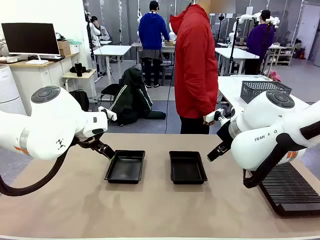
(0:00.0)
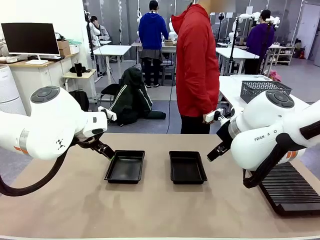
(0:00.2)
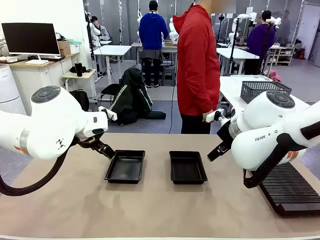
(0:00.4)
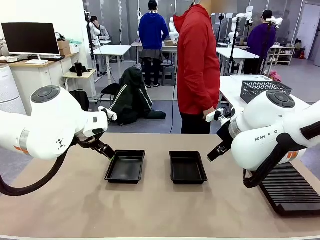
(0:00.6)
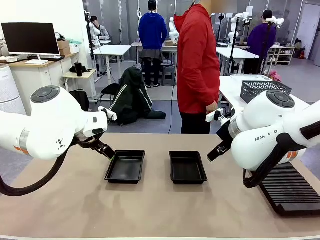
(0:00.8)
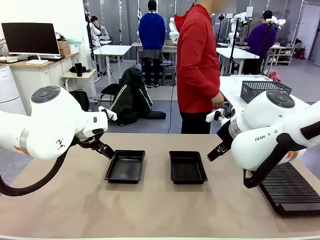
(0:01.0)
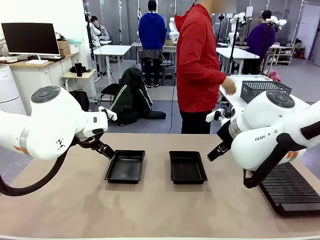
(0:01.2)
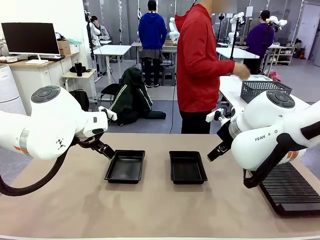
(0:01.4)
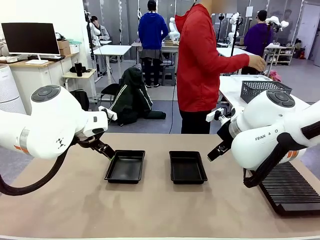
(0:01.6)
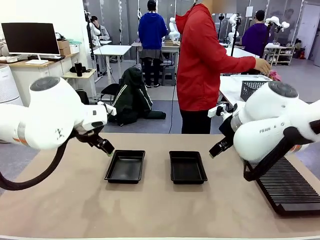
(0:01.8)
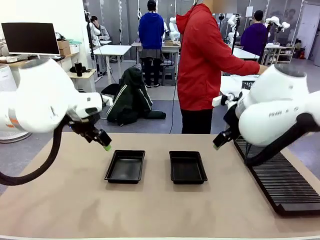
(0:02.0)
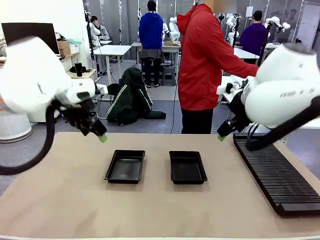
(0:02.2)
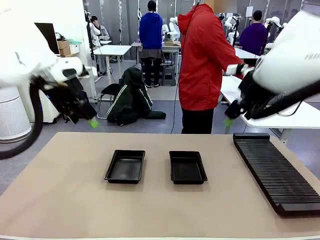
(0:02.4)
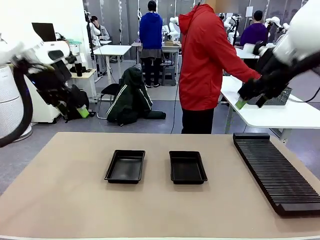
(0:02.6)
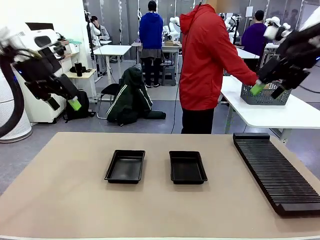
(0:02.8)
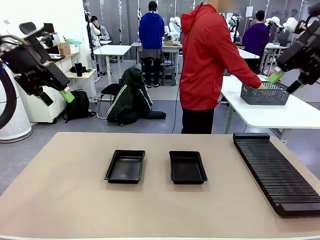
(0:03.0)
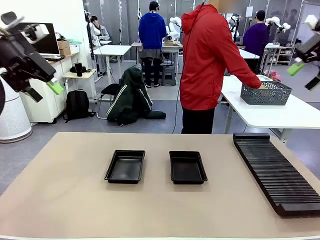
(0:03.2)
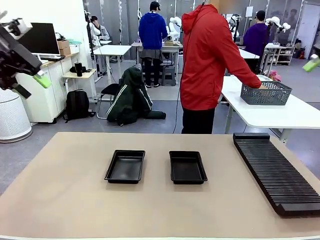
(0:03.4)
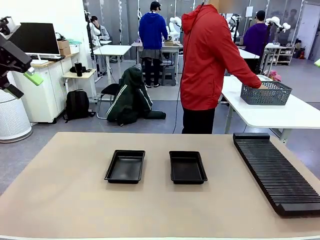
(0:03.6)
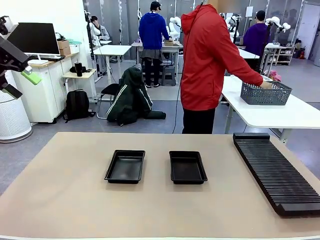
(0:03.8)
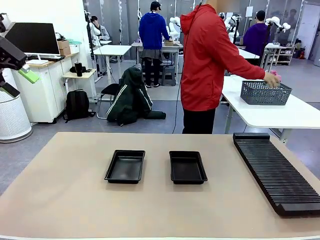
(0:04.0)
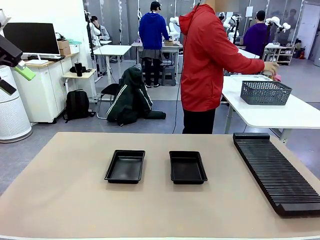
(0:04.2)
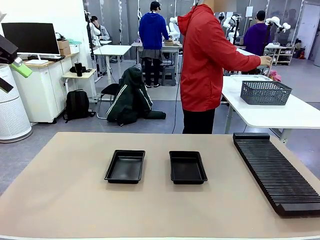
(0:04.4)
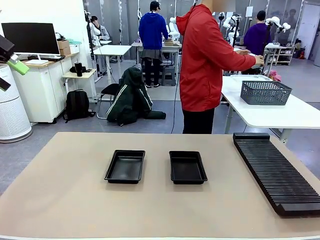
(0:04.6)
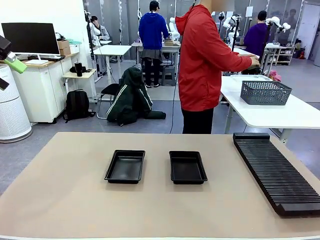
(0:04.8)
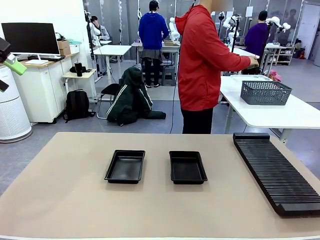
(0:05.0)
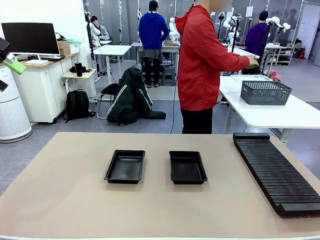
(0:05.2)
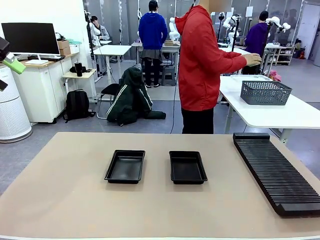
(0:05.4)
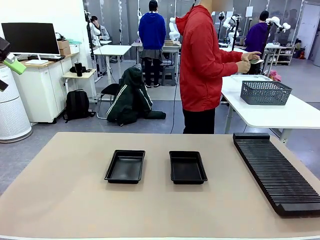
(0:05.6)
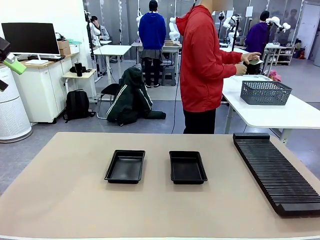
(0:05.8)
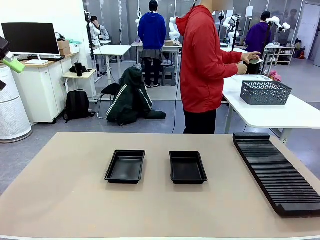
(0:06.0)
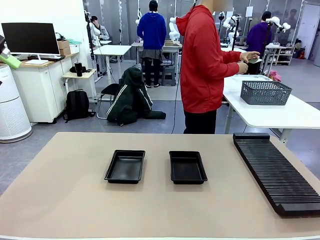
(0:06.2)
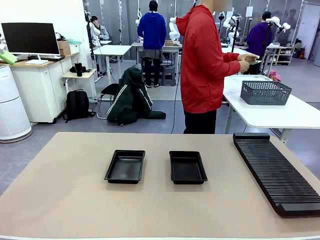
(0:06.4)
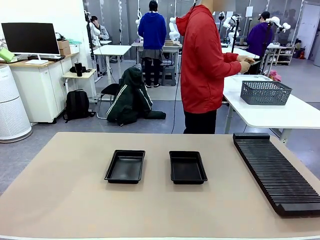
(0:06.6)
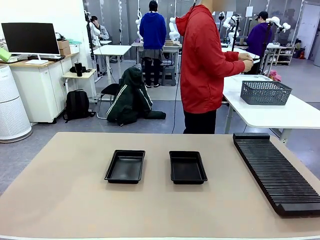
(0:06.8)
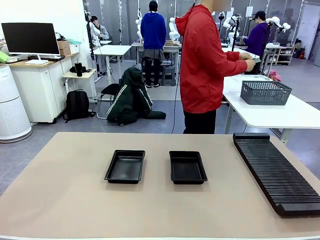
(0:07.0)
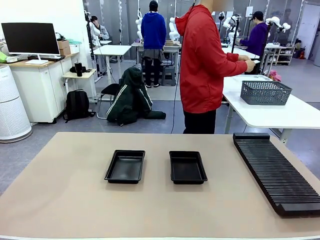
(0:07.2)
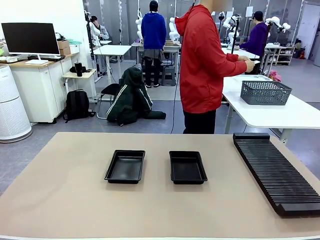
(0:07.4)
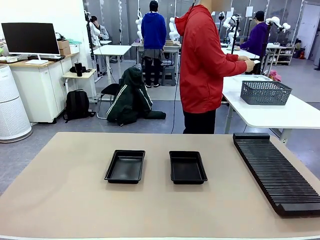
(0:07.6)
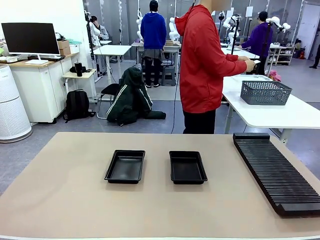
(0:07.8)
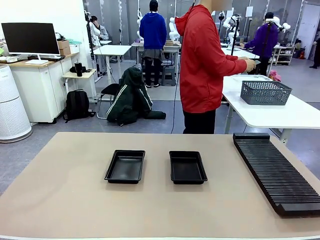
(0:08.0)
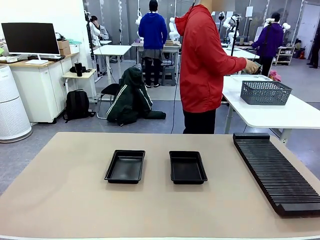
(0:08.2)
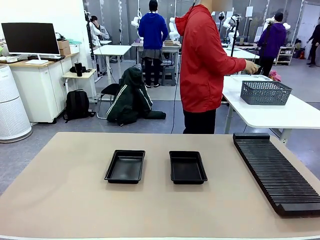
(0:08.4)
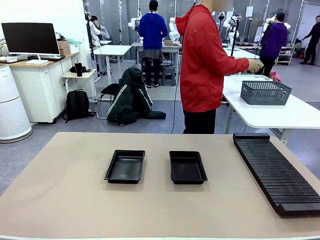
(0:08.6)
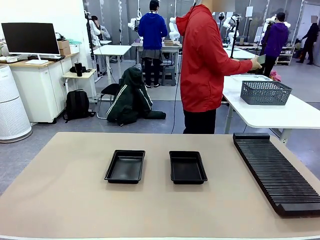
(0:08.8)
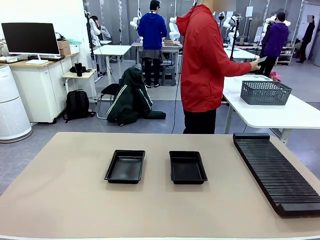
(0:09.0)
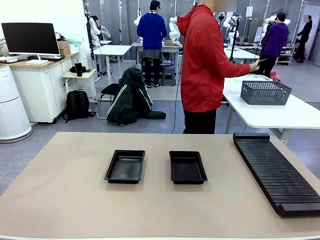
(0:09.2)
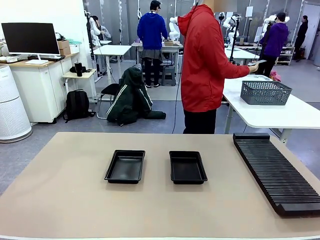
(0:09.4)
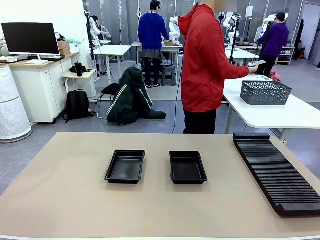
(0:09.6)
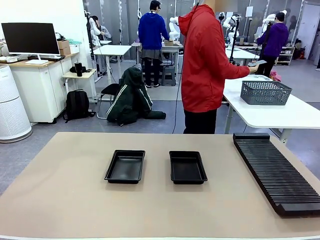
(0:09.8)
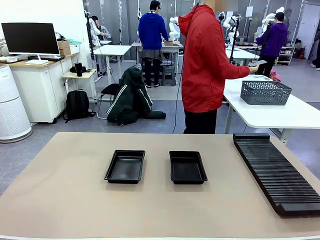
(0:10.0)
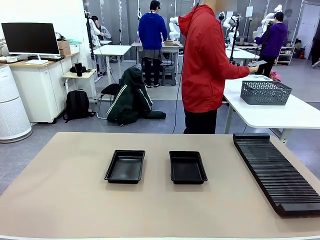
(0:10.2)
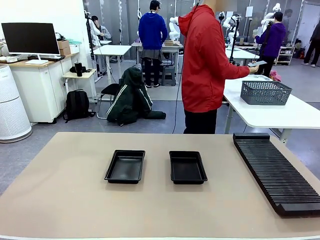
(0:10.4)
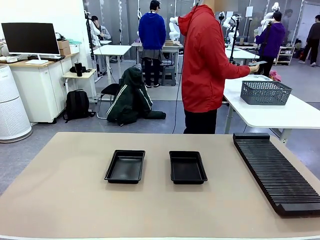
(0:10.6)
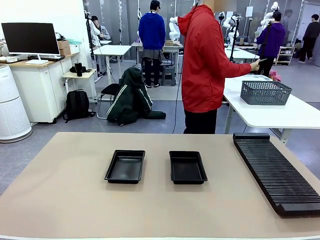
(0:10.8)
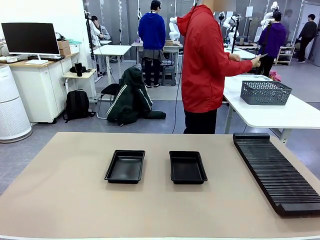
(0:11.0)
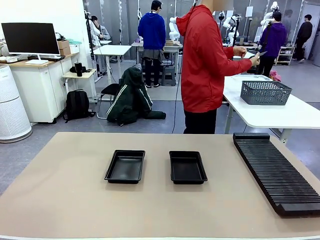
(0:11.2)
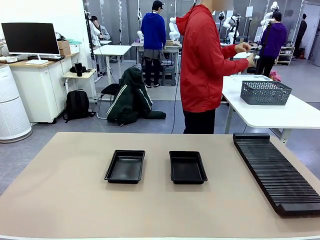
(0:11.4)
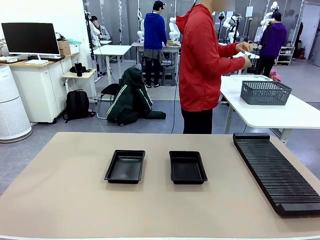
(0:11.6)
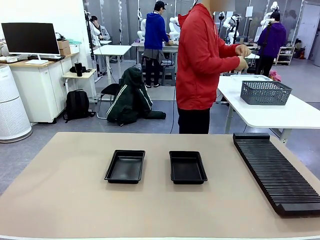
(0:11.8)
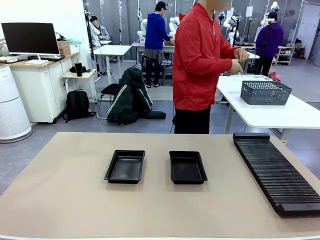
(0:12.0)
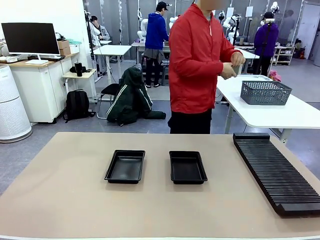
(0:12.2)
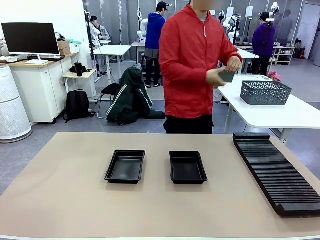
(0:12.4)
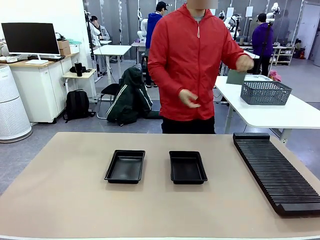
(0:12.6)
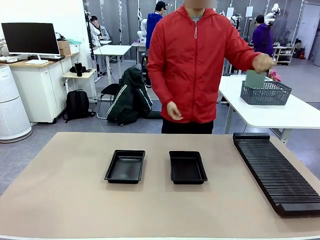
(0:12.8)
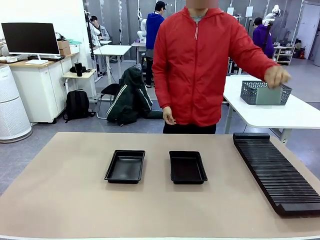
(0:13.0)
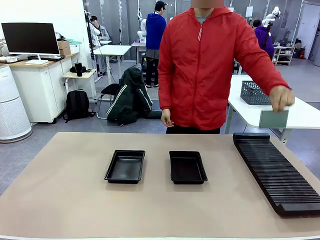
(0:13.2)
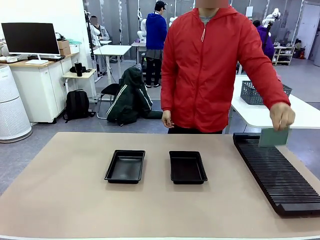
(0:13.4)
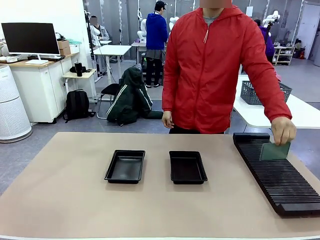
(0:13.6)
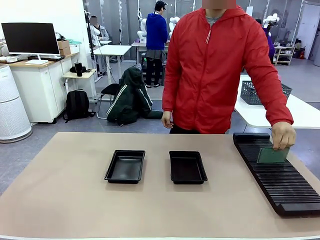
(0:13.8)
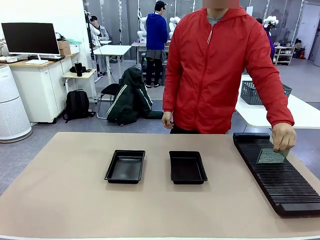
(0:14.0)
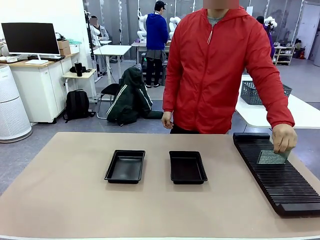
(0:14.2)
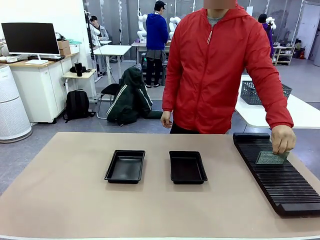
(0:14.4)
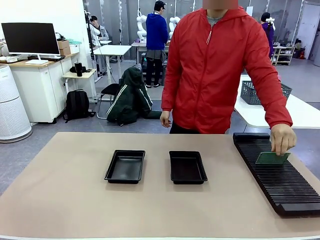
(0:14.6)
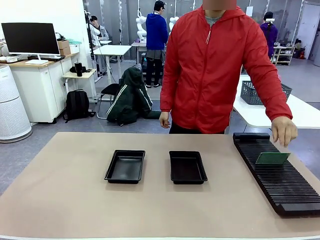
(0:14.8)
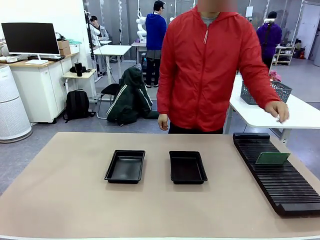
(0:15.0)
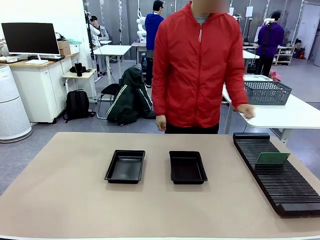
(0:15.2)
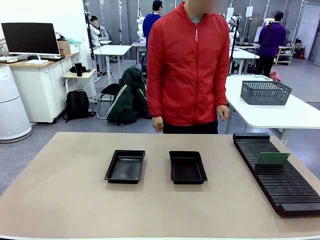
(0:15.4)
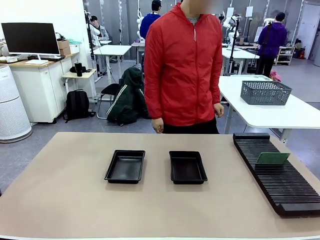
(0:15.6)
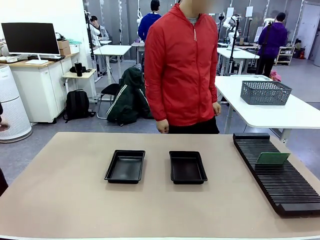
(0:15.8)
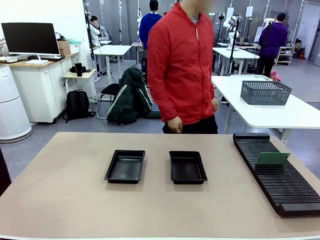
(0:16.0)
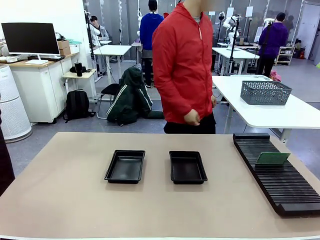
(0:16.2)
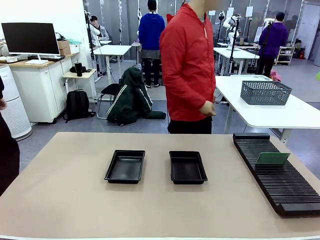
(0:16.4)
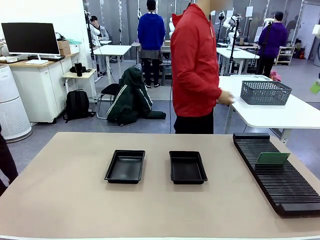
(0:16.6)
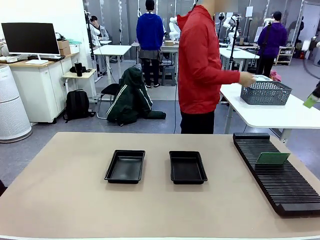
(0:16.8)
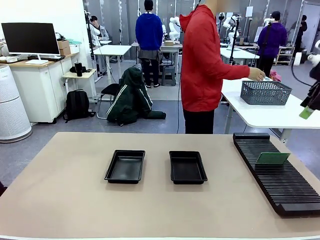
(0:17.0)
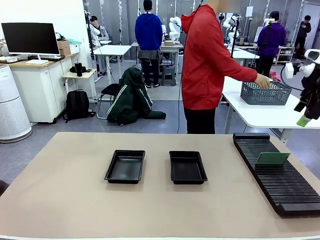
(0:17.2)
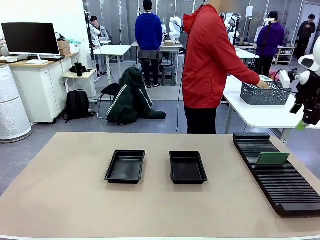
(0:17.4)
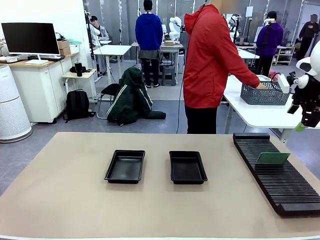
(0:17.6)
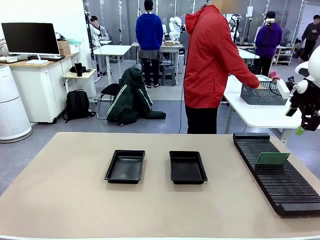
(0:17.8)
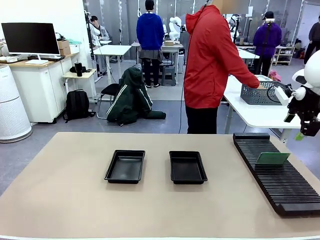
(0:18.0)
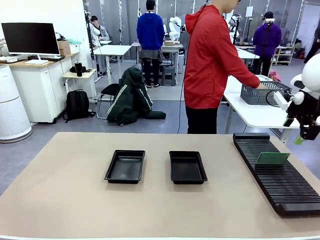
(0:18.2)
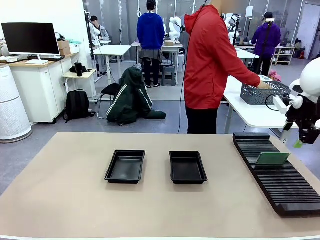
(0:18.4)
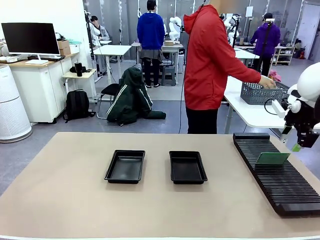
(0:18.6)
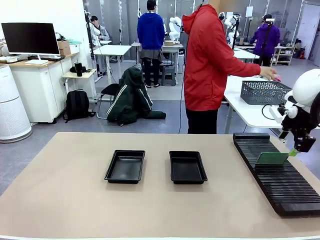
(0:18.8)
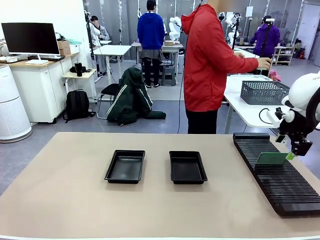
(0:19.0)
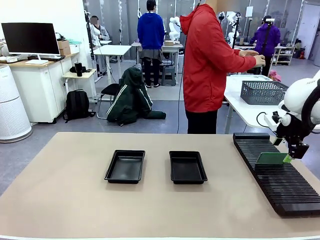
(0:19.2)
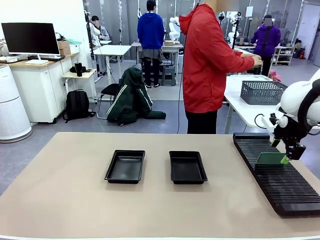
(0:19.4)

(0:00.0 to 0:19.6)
Task: Inspect and transfer BCBs to ESD trays.
Robot: Pick up the Blank PCB from the PCB Rack and place it in the left ESD tray.
